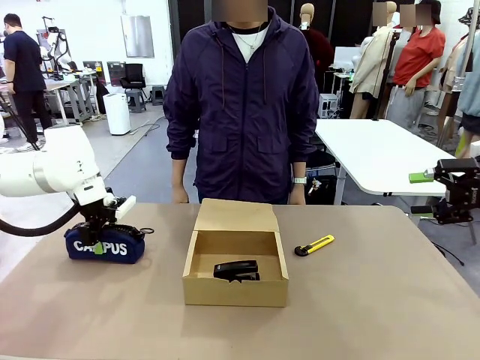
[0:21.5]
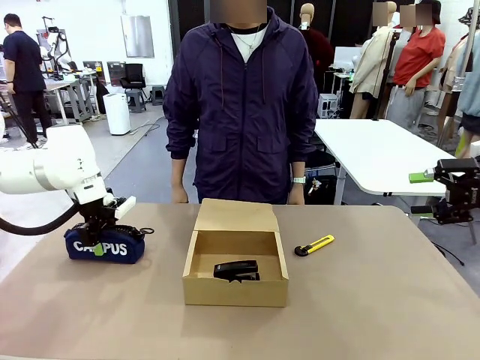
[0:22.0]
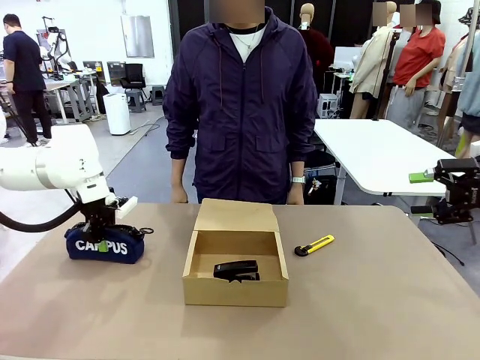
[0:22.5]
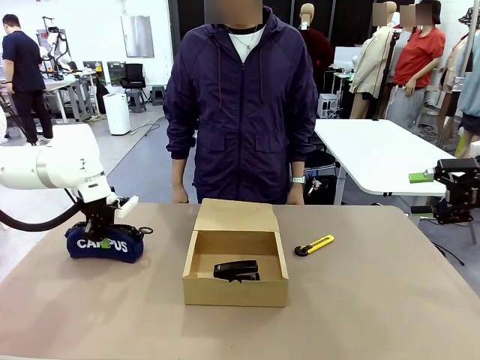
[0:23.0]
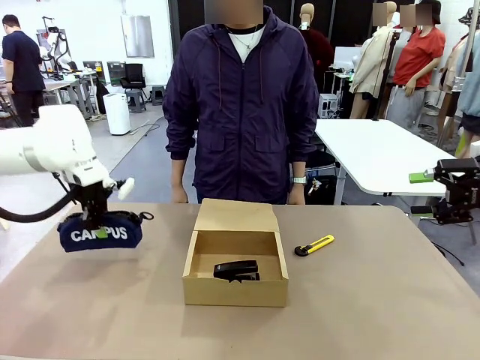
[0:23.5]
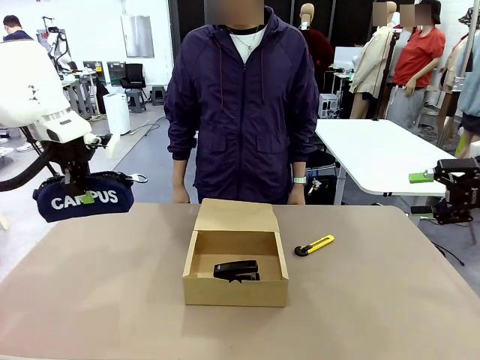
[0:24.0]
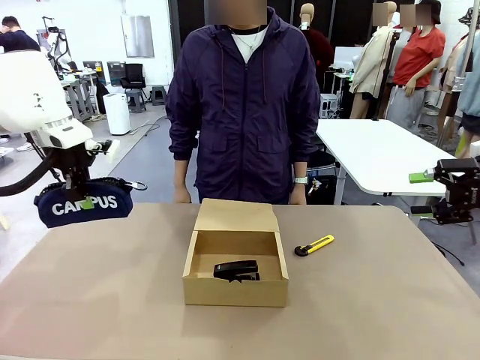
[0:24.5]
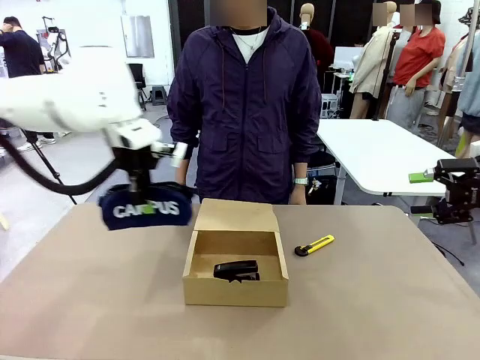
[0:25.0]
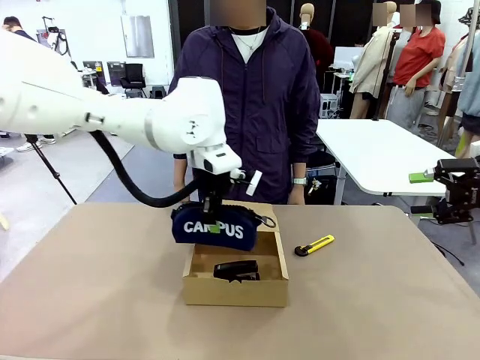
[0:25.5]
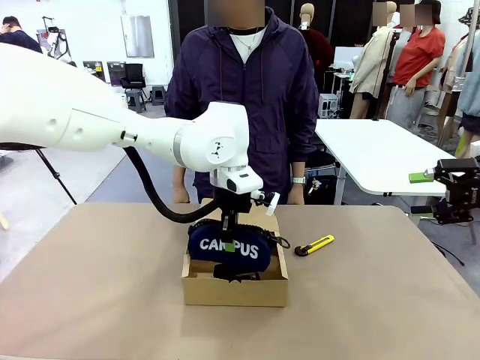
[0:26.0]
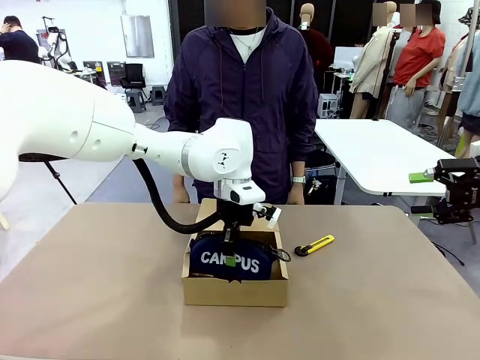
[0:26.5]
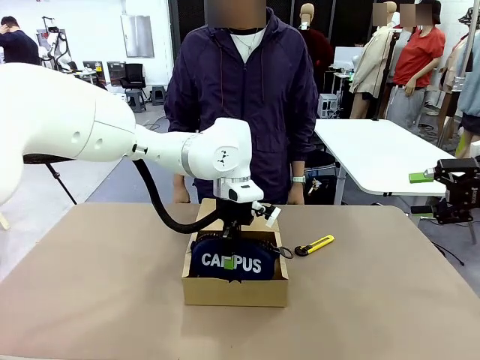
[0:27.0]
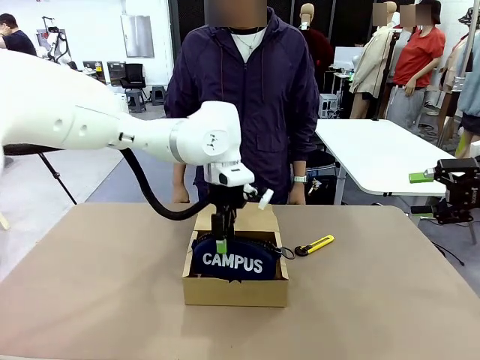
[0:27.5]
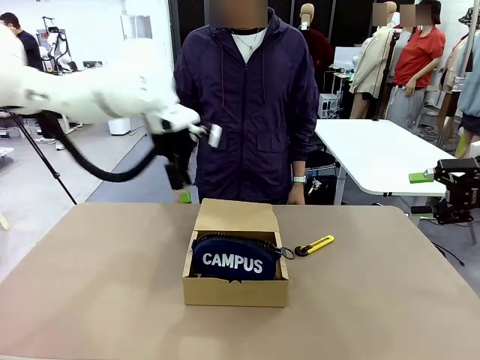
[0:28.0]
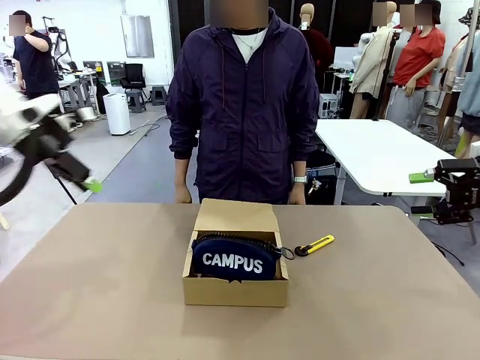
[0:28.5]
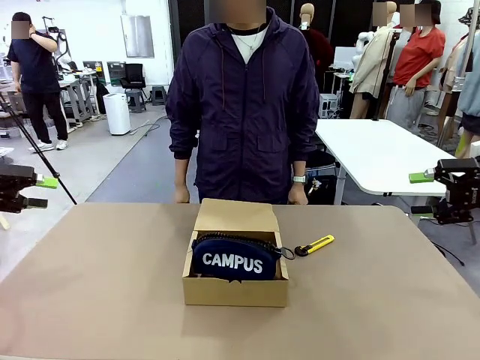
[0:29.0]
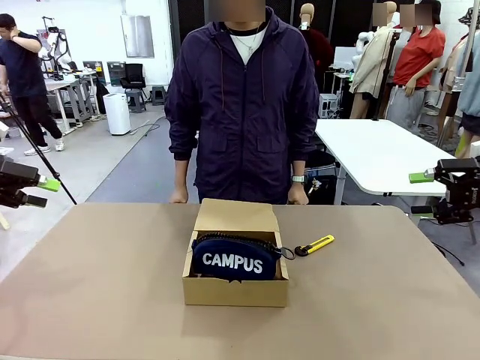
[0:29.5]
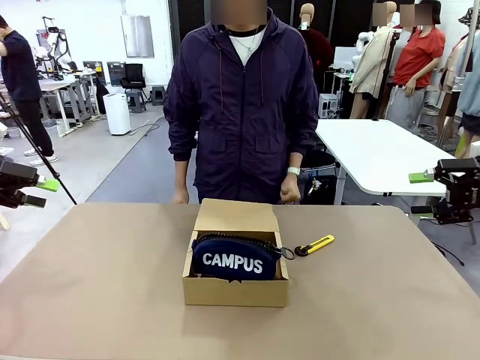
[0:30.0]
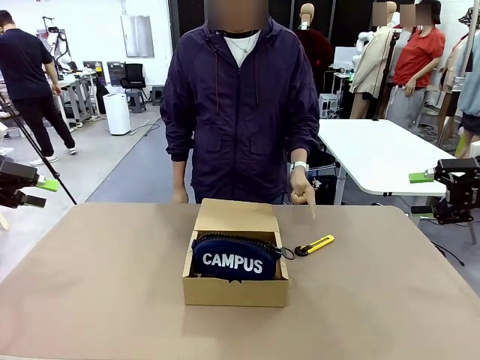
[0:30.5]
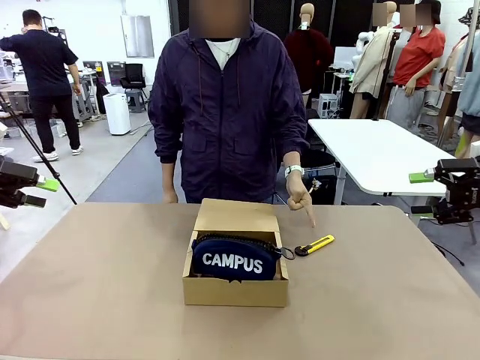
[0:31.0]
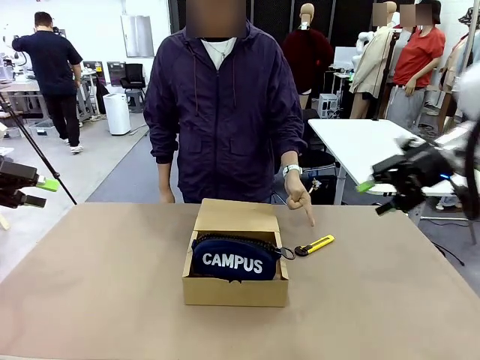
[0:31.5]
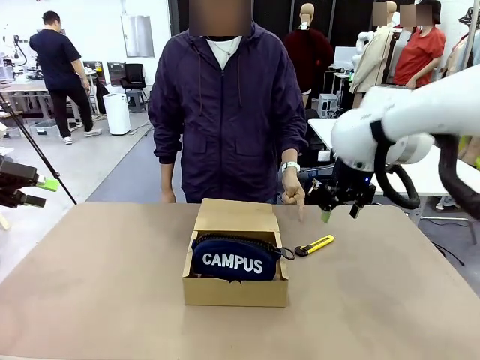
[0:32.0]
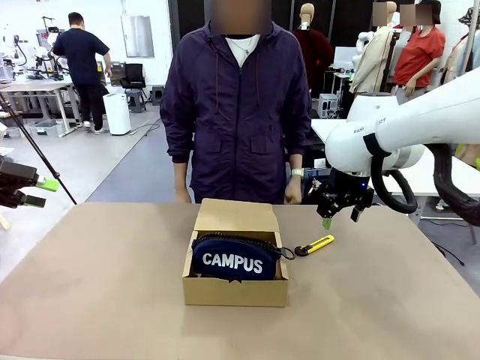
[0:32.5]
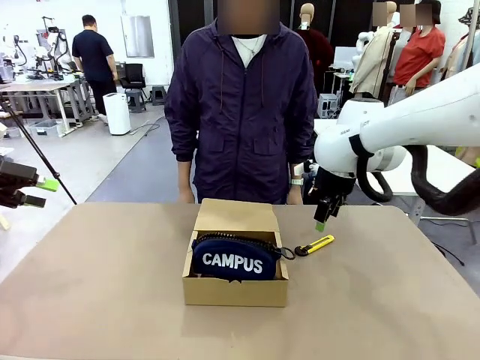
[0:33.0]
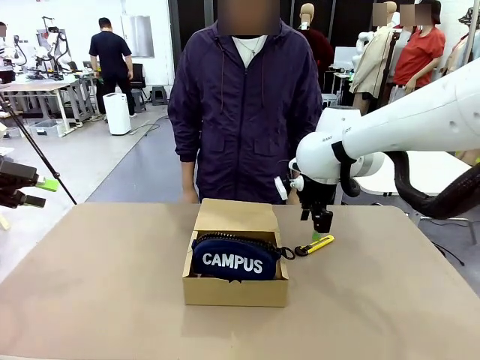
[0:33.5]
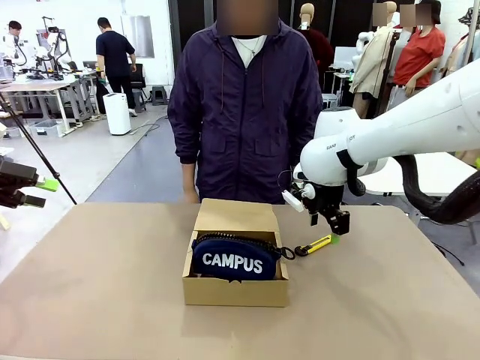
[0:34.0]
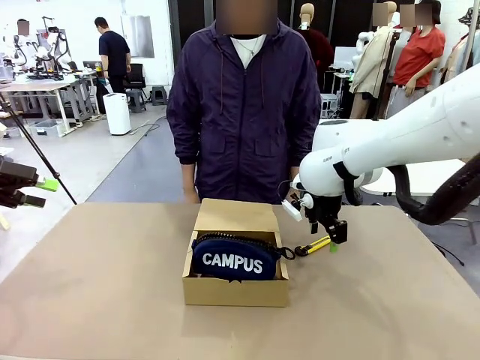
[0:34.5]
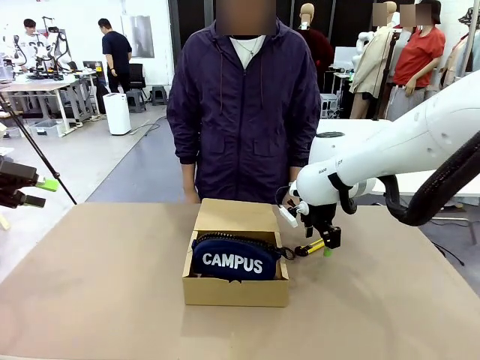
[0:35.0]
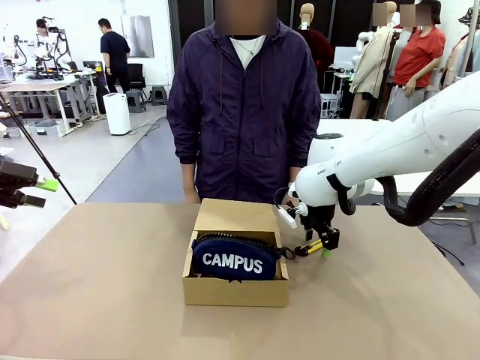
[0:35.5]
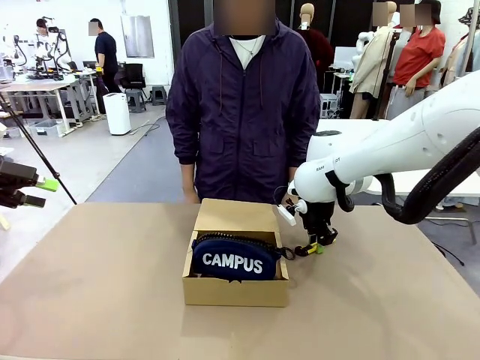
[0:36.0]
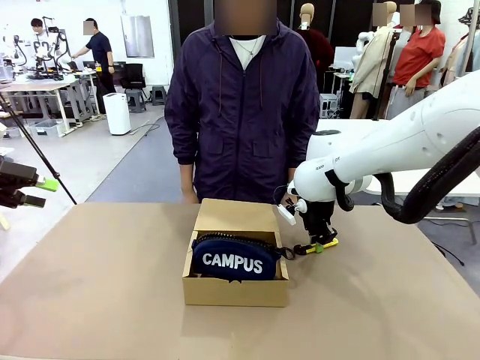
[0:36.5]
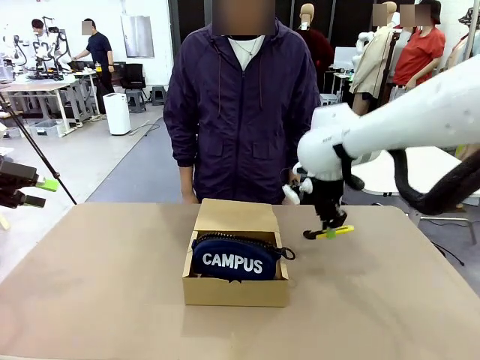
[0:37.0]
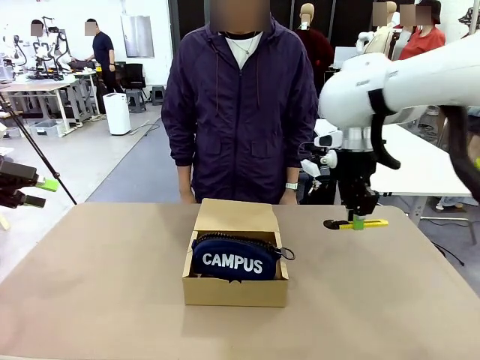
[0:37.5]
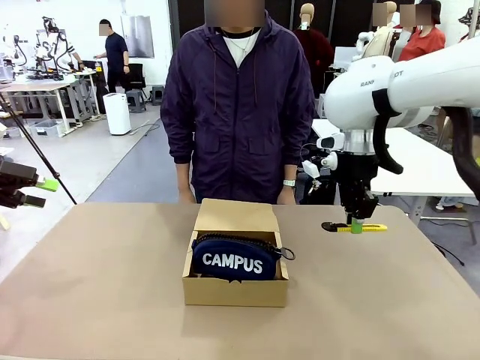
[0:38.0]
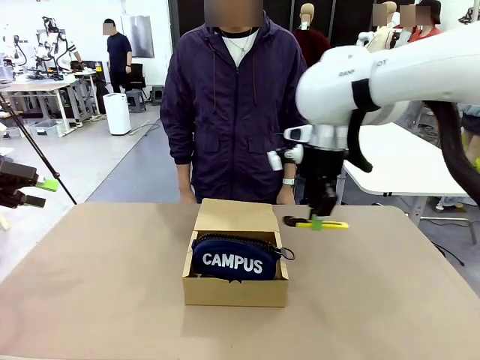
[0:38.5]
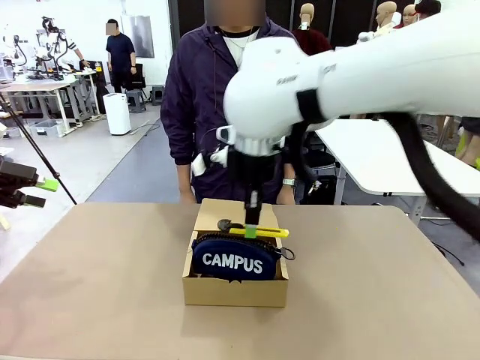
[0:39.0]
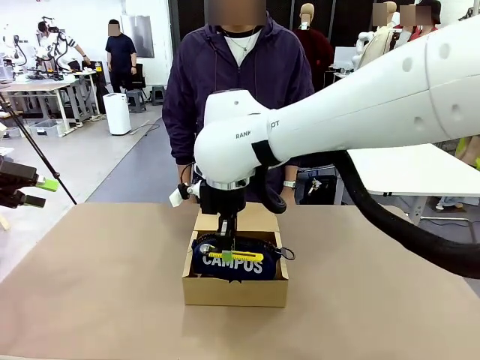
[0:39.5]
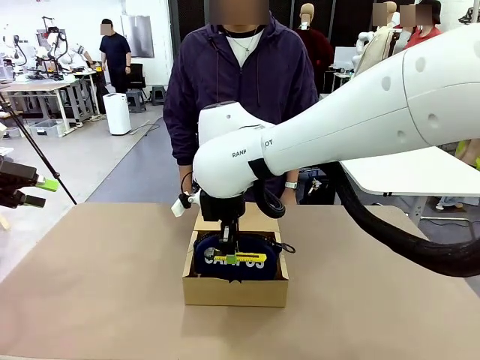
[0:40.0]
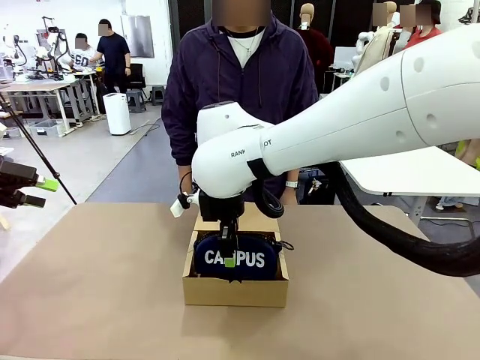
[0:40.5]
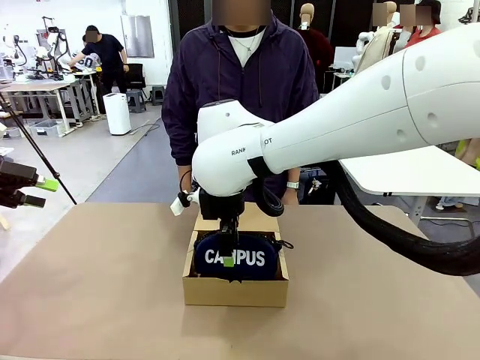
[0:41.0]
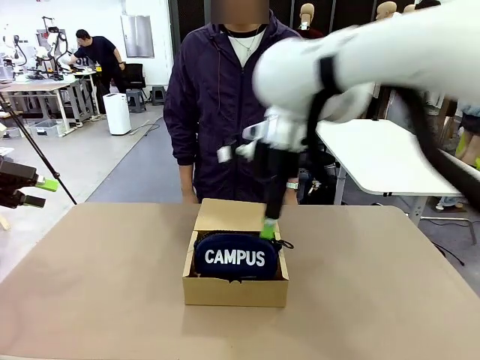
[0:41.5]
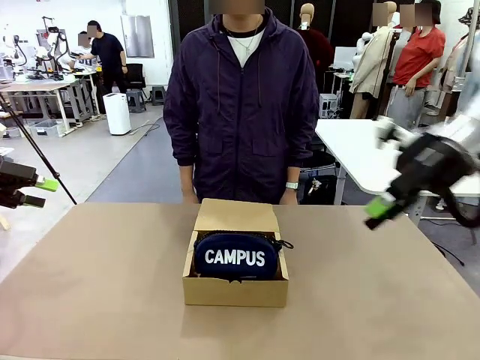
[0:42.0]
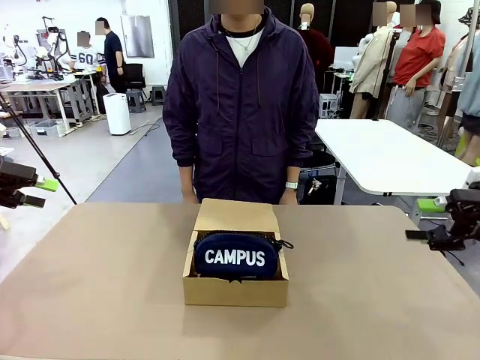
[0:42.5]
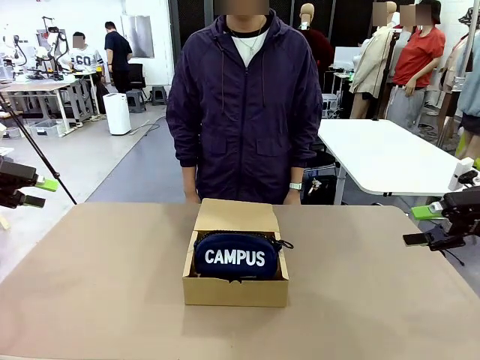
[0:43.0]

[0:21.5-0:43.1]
Task: Pack the items into the box.
Robot: Pick up the item indicated by the person and place it inside the Mailer Box.
Person: Lower both hands vertically with palms facing downward, as if pressing something closed.
